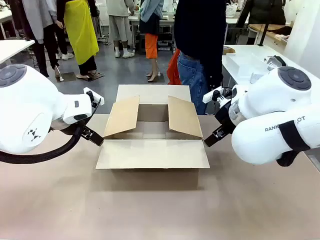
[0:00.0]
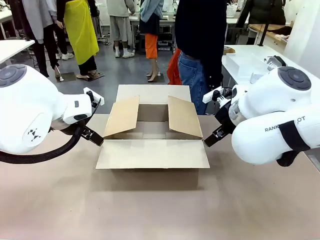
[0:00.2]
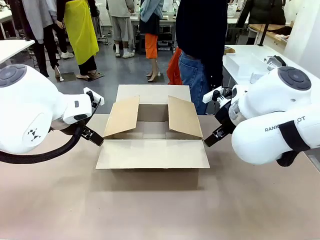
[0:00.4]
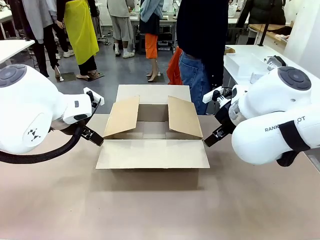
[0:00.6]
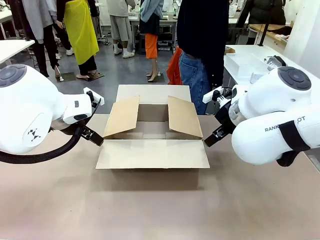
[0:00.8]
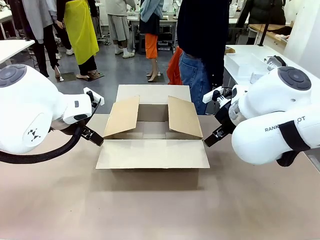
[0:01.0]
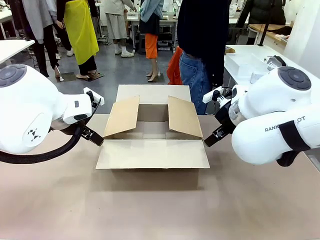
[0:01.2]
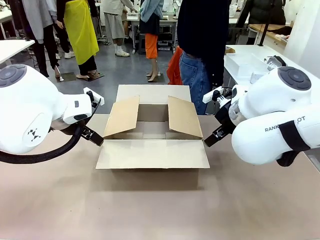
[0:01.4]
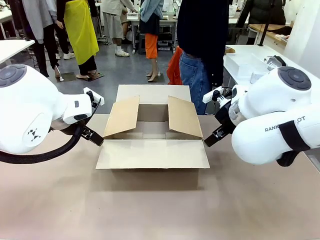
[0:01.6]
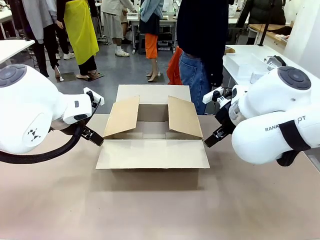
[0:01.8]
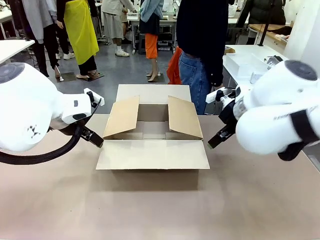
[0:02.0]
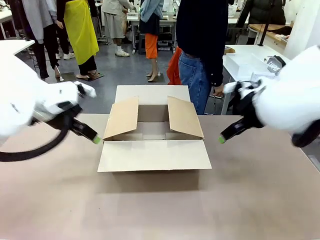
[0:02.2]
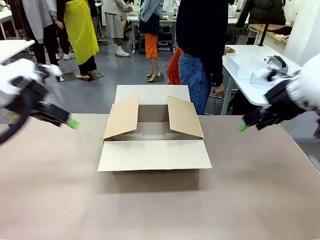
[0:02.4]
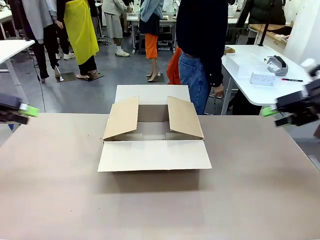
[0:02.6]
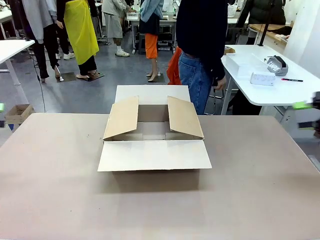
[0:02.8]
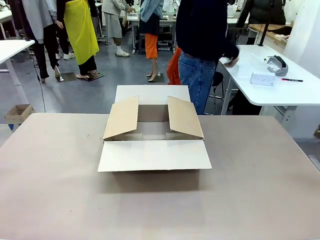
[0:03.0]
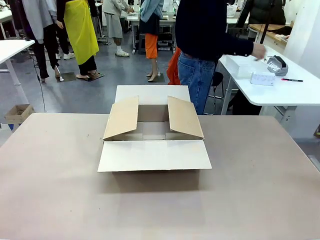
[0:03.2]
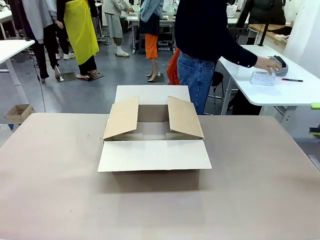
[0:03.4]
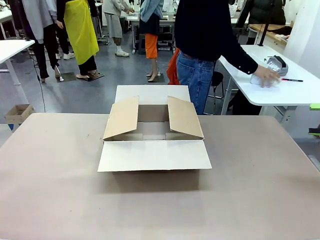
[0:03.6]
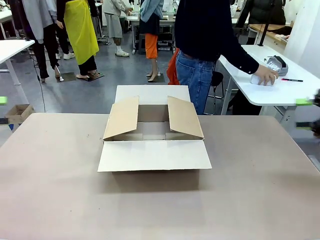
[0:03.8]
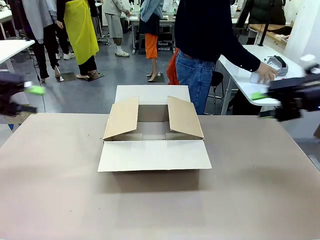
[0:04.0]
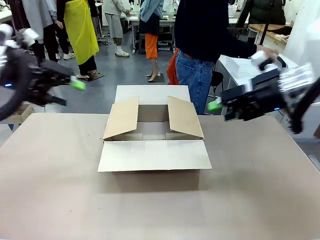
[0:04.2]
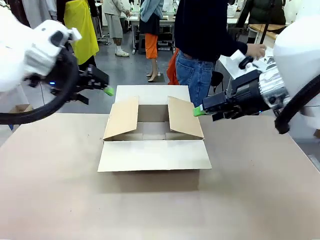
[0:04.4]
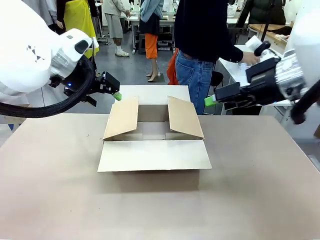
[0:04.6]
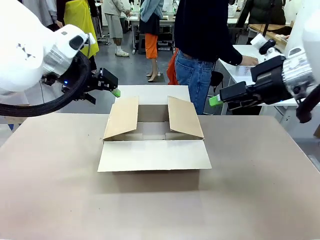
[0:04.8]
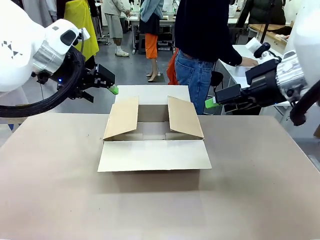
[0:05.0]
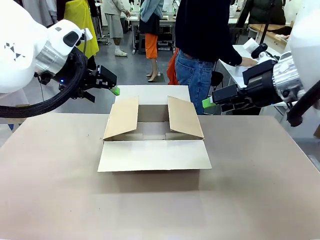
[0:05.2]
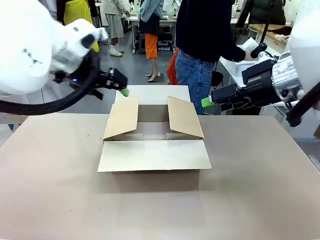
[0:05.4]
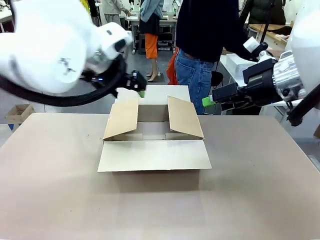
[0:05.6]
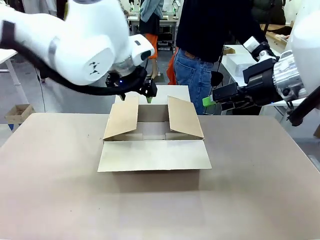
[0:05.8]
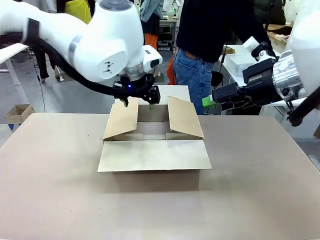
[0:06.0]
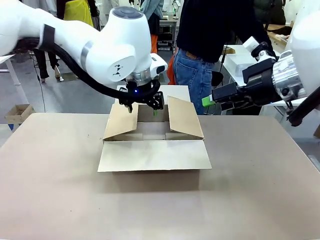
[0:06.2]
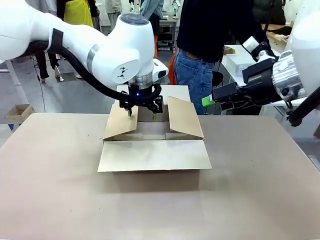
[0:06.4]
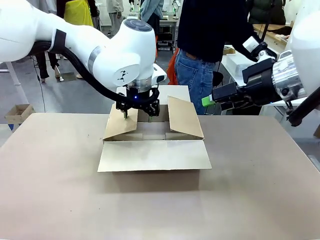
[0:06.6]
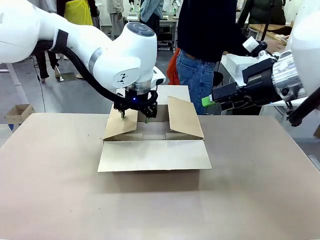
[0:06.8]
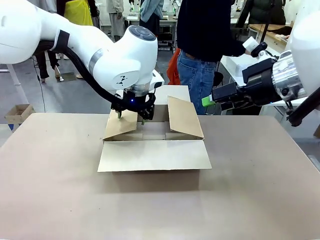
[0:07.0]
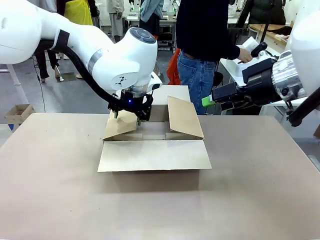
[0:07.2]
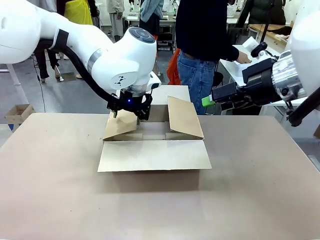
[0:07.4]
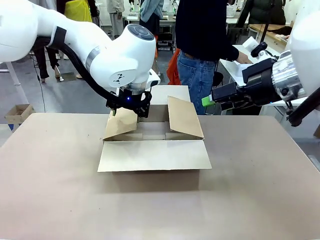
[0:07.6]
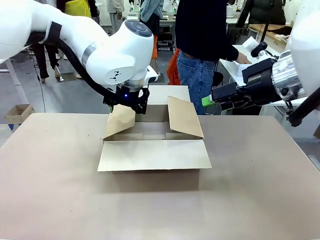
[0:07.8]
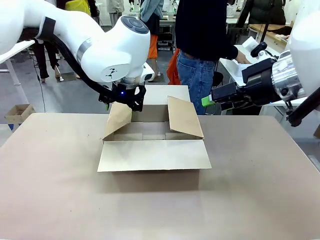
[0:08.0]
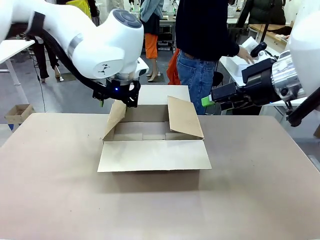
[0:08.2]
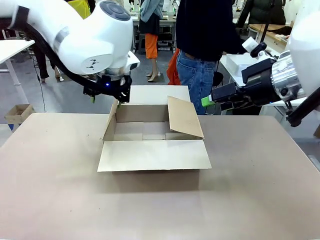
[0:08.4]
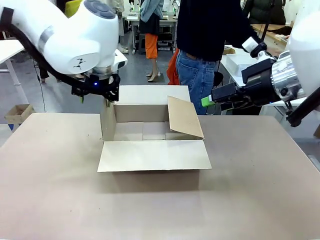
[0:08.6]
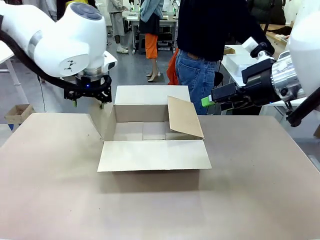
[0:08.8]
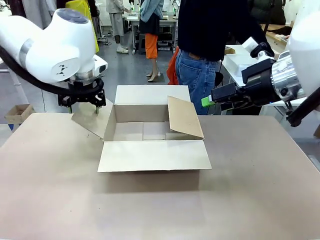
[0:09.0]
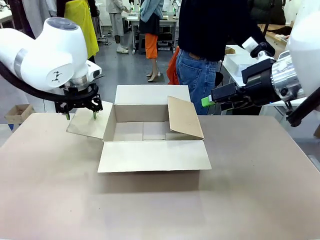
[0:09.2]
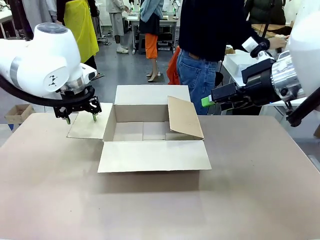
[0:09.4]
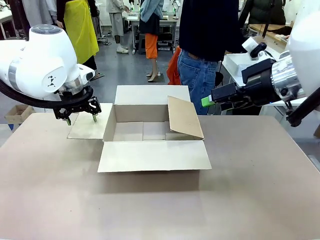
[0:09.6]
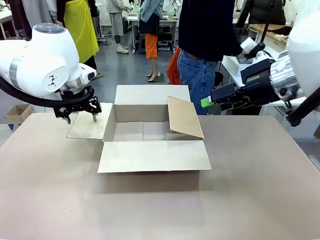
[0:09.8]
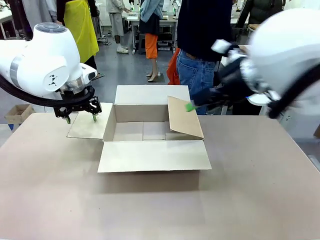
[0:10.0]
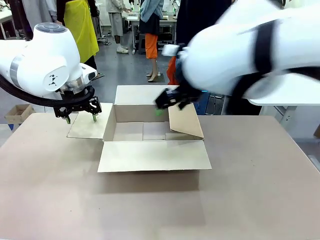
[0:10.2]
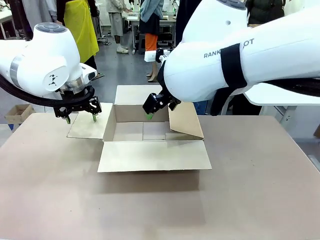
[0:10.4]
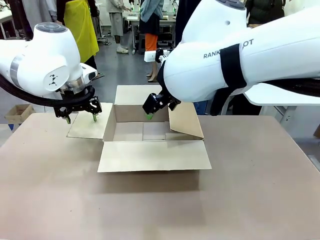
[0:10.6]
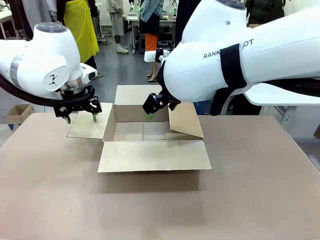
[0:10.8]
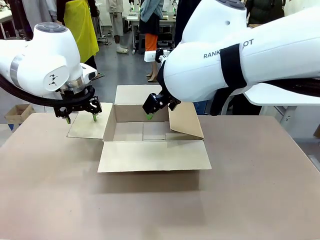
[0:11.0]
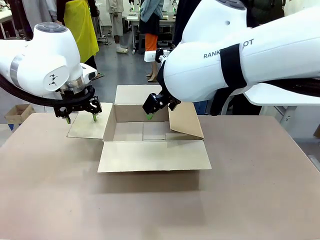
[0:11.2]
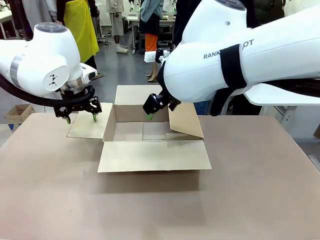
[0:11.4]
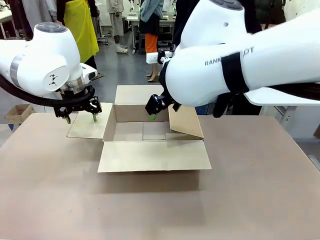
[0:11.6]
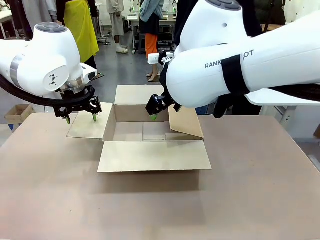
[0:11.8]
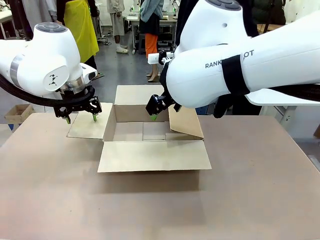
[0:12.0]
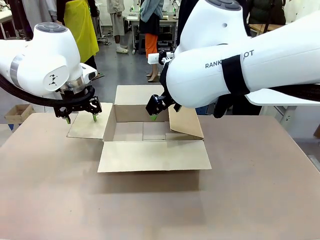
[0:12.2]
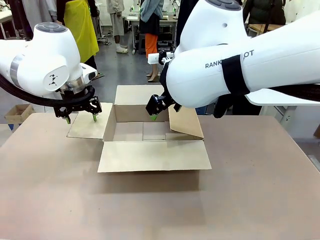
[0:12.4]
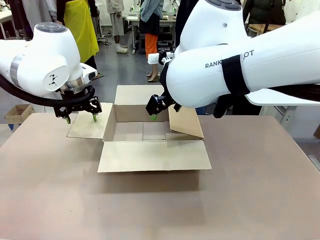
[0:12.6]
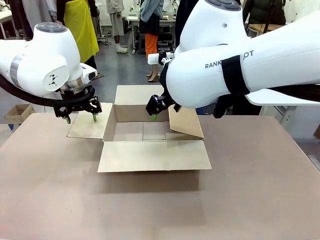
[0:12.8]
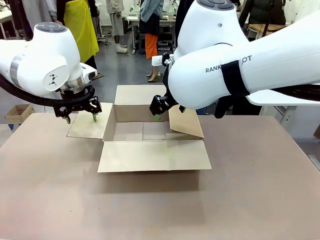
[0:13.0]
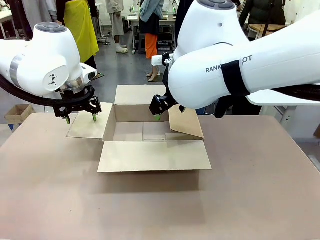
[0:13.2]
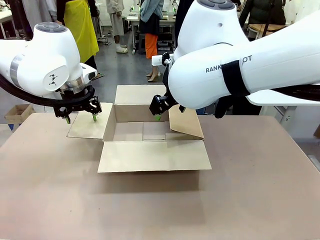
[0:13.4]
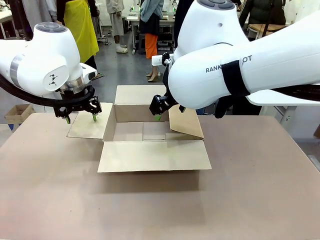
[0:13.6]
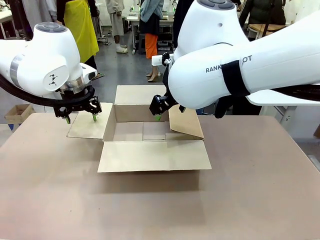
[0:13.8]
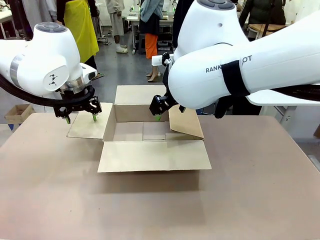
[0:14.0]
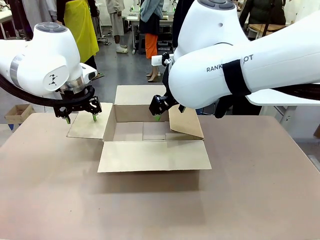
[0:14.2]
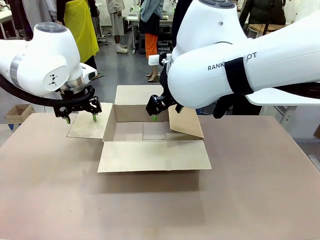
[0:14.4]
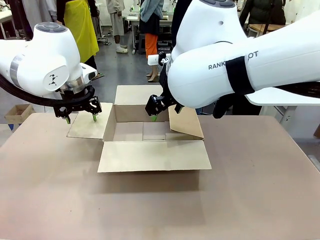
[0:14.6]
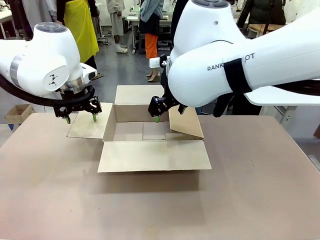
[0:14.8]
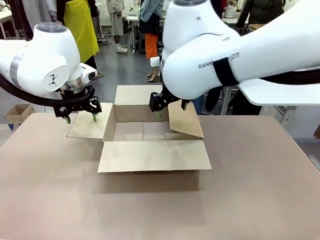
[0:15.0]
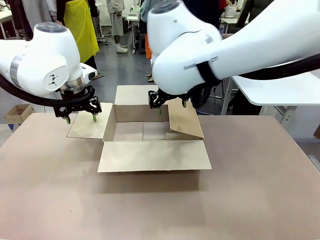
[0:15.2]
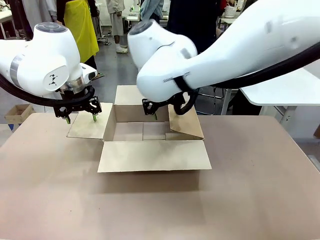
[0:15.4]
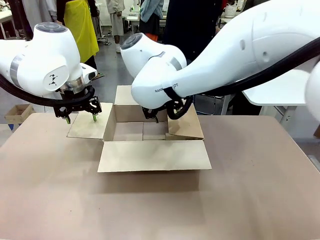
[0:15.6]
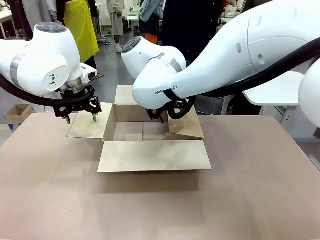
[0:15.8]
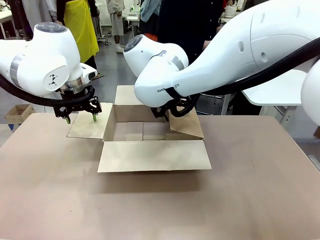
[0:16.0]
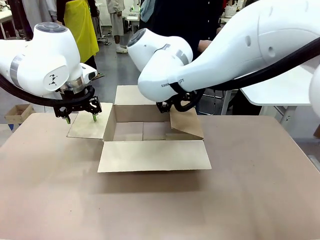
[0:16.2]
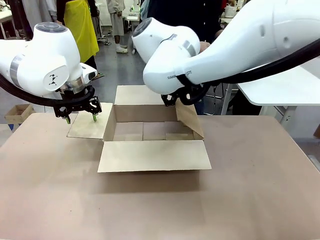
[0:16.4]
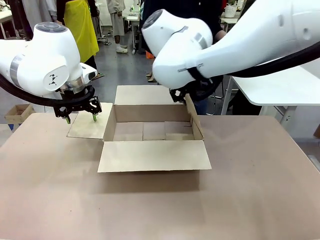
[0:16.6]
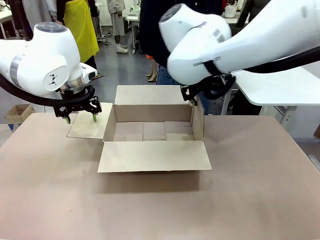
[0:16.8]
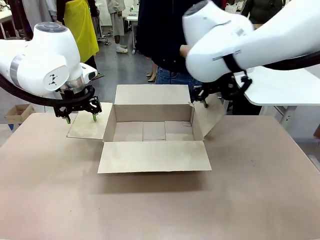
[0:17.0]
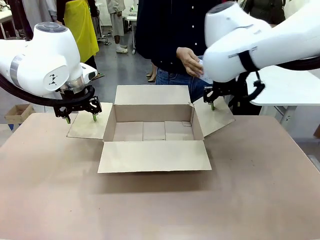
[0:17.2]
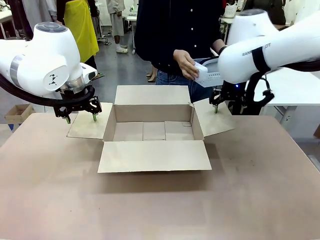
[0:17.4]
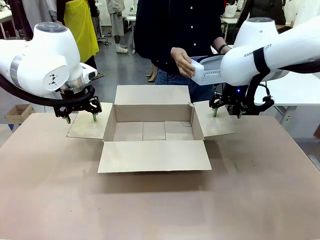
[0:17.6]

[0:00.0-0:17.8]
Task: Pack the gift set into the box.
Robot: Place both hands on the side flaps of the Package Box and spread them outward.
Person: The human places all items except the paper tape into the organizing basket.

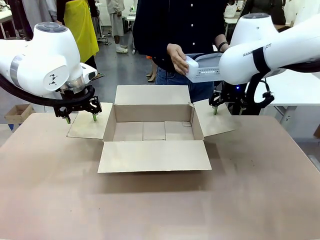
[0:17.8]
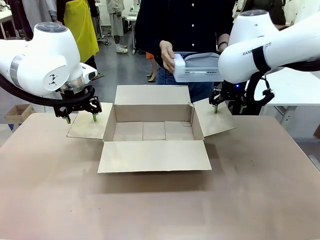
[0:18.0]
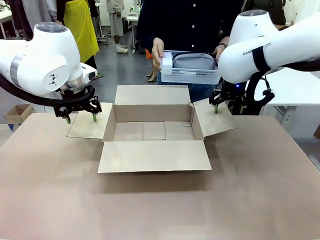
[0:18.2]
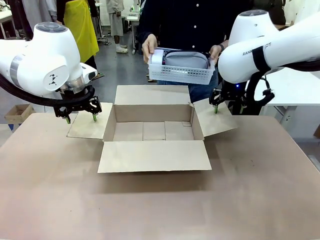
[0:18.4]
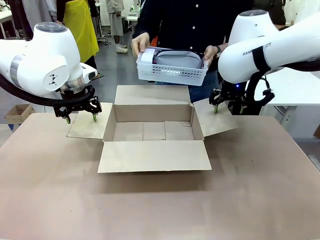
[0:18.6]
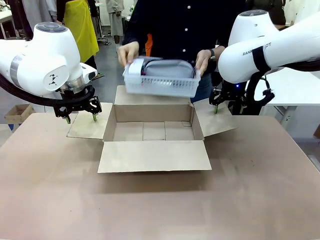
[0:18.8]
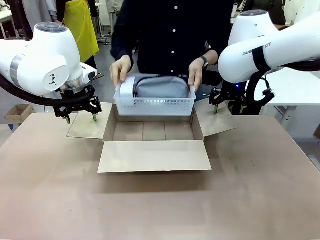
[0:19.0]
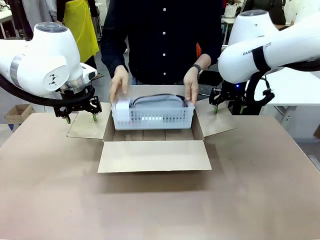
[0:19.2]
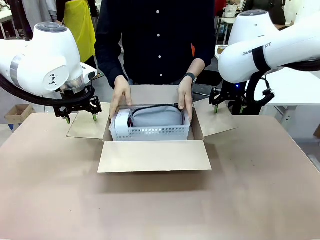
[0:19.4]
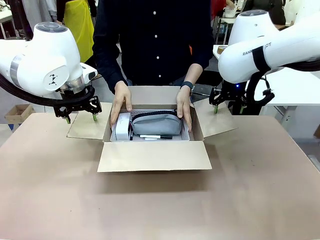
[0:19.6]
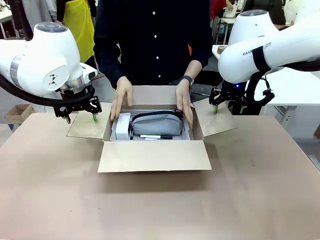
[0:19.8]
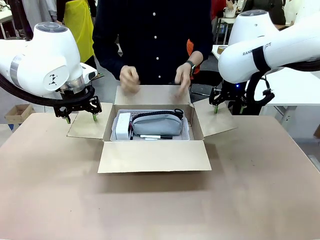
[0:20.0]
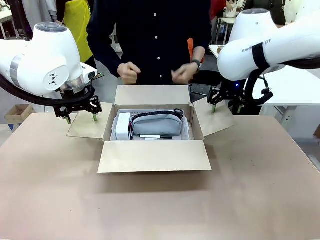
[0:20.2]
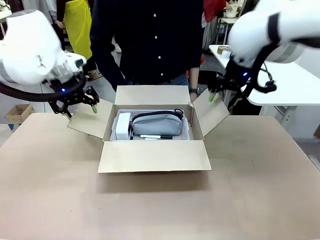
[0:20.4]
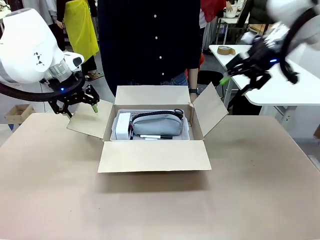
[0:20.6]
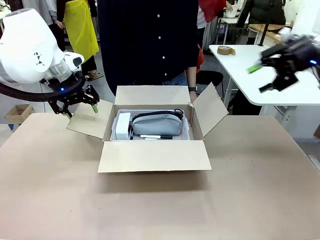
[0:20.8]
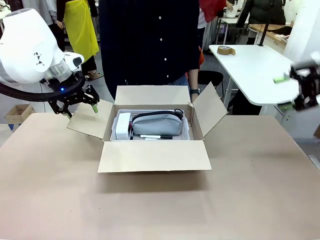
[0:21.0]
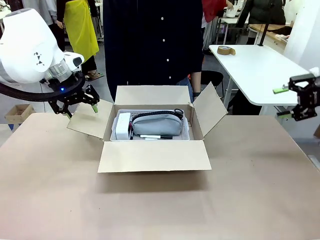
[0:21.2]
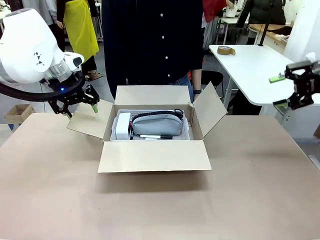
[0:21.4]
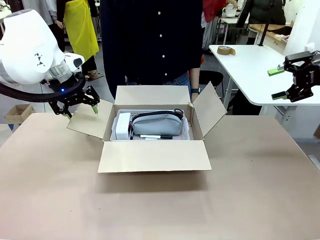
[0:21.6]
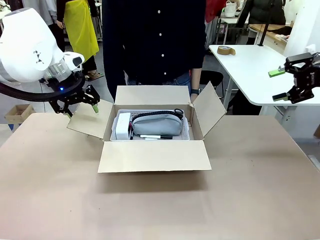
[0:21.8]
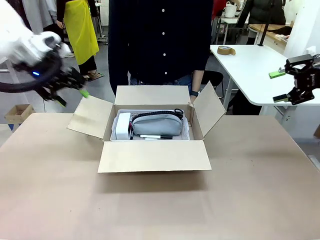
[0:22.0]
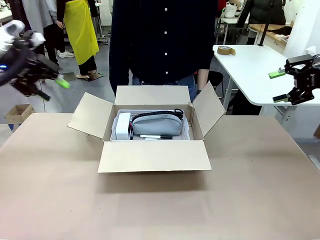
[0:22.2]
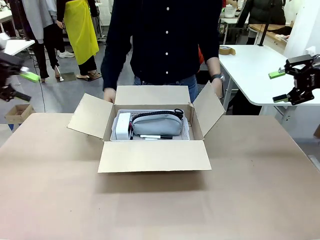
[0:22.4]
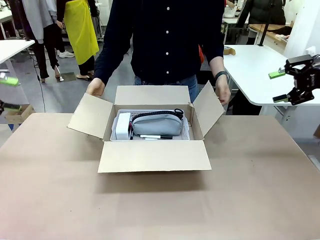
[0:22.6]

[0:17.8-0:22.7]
Robot: Lift both hands away from the flaps of the Package Box.
Person: The human picks up the organizing basket and places the organizing basket into the package box on the robot table.
